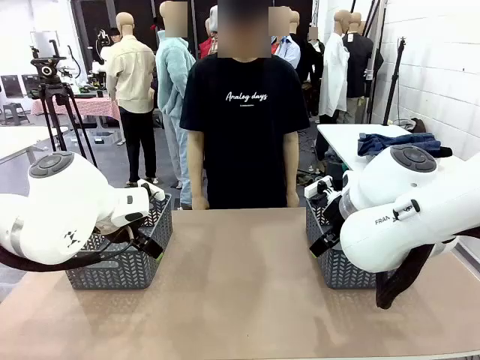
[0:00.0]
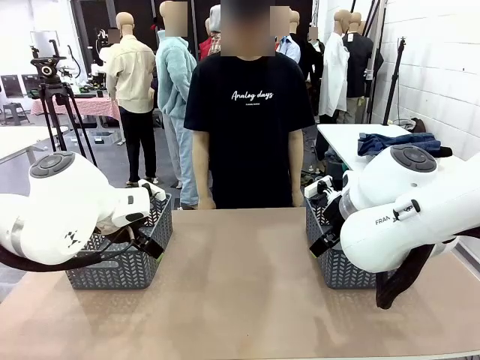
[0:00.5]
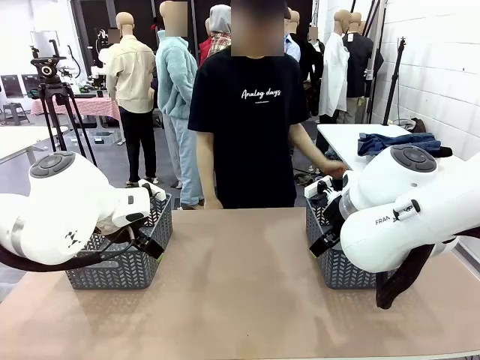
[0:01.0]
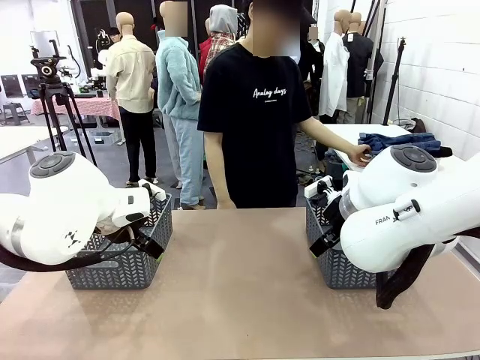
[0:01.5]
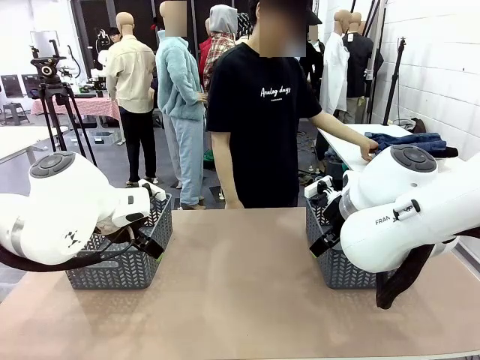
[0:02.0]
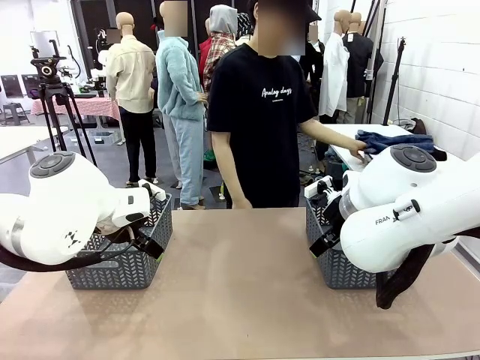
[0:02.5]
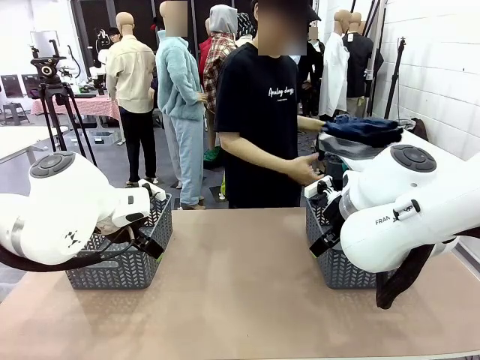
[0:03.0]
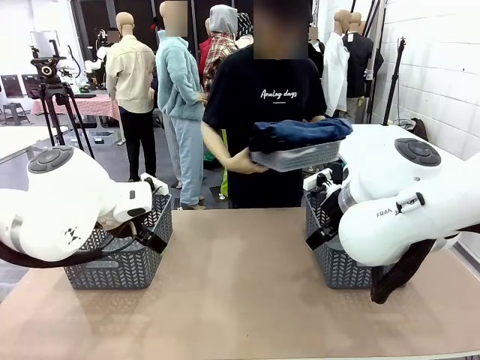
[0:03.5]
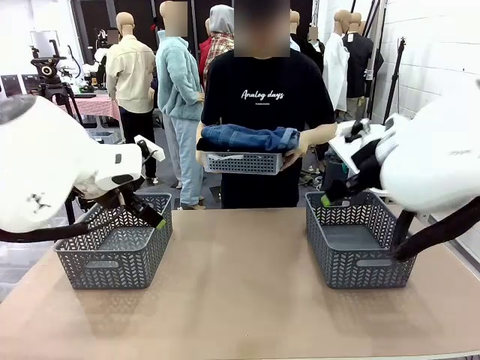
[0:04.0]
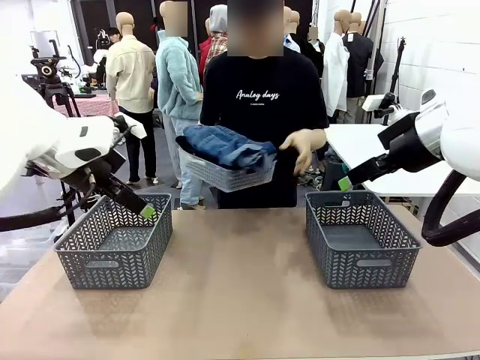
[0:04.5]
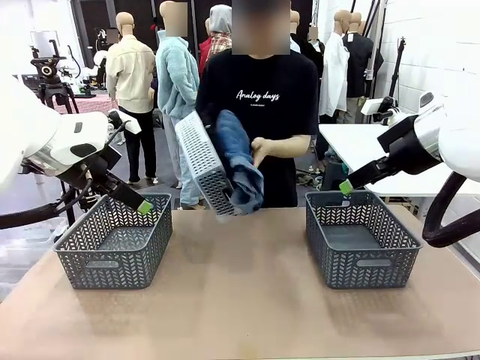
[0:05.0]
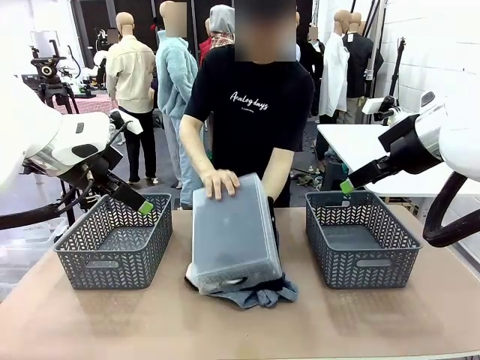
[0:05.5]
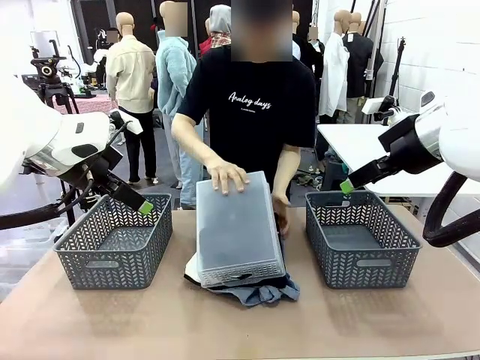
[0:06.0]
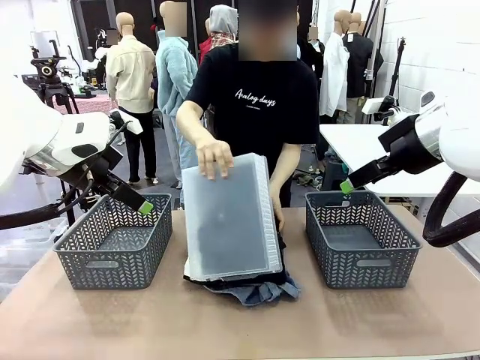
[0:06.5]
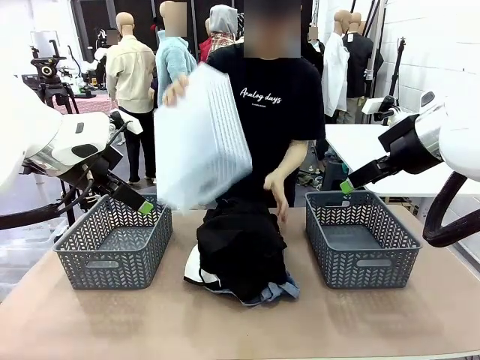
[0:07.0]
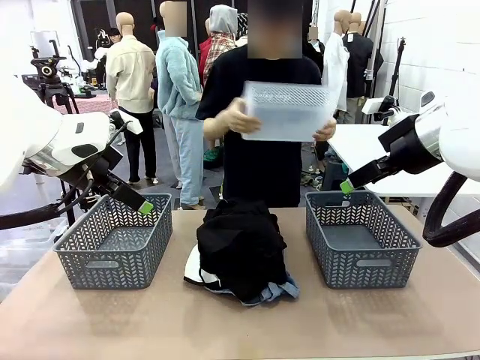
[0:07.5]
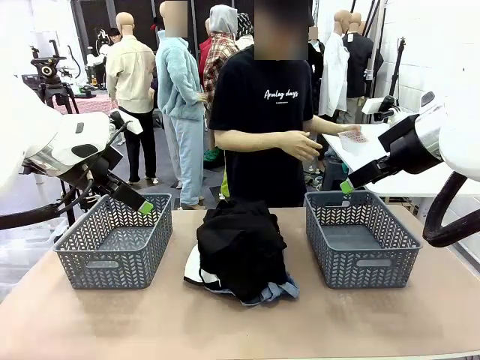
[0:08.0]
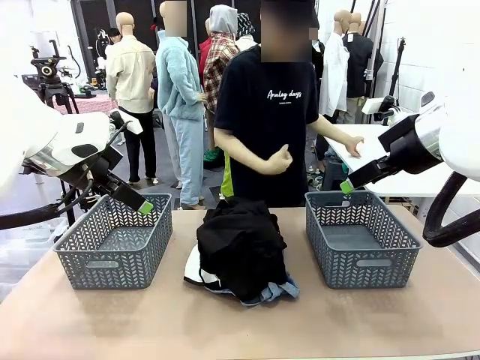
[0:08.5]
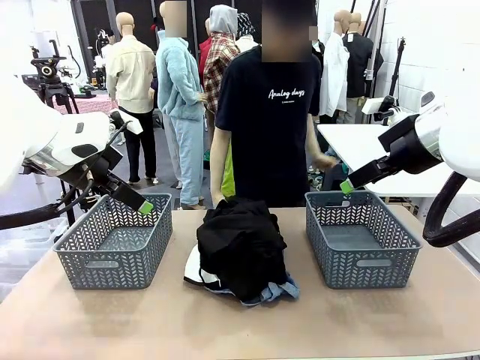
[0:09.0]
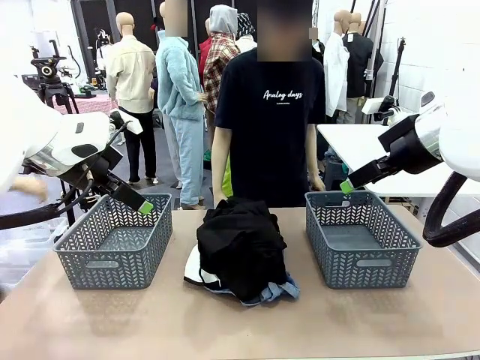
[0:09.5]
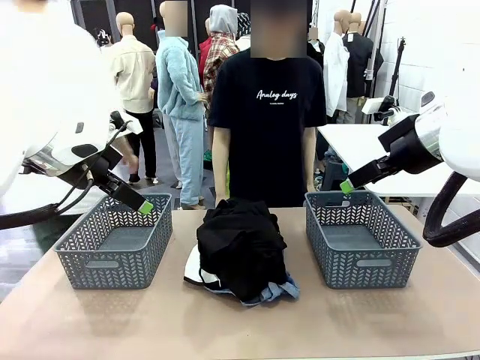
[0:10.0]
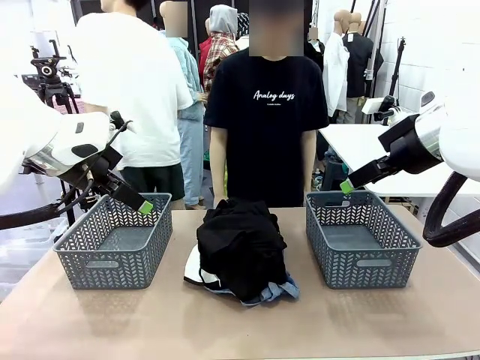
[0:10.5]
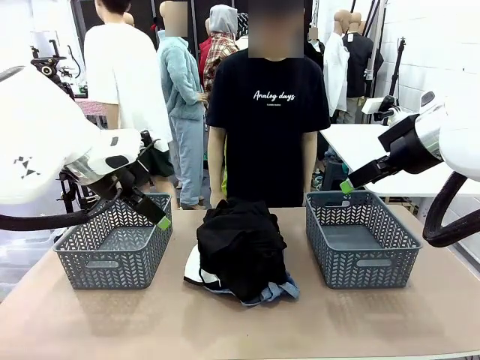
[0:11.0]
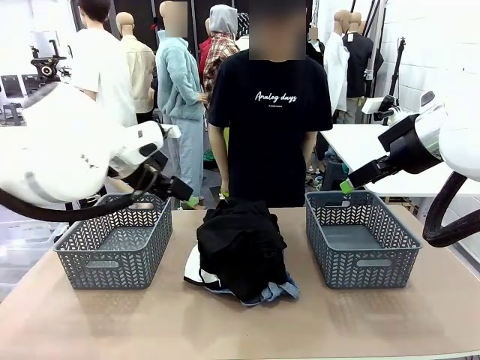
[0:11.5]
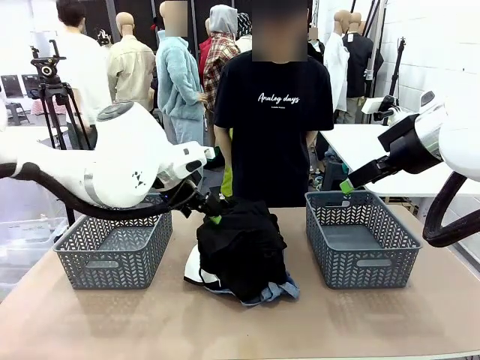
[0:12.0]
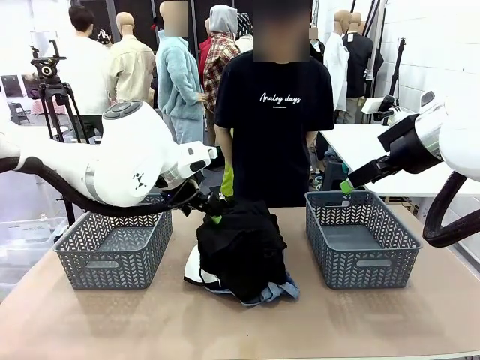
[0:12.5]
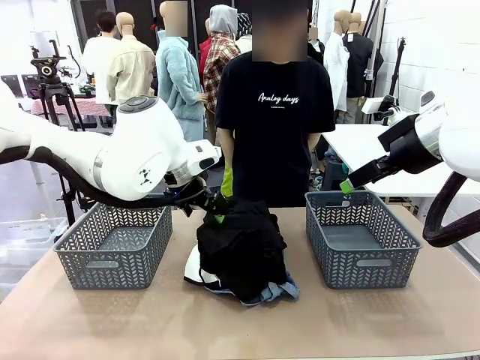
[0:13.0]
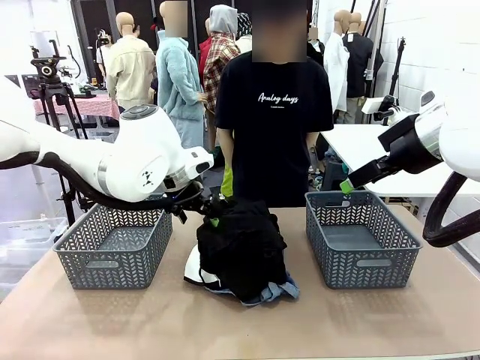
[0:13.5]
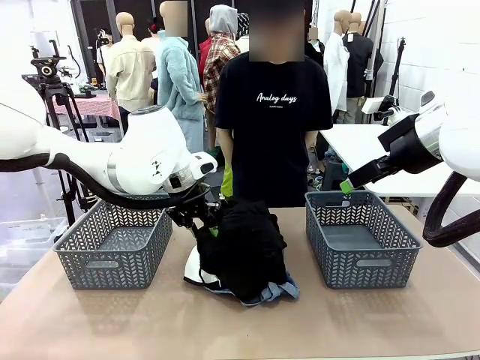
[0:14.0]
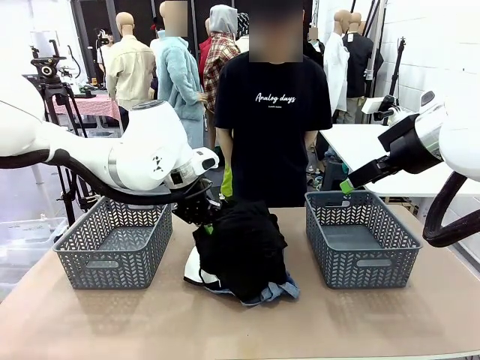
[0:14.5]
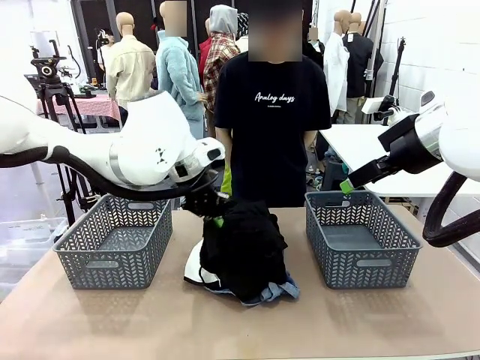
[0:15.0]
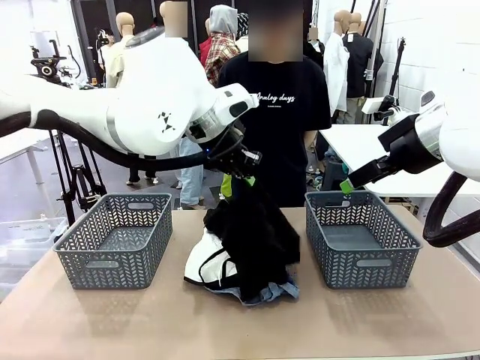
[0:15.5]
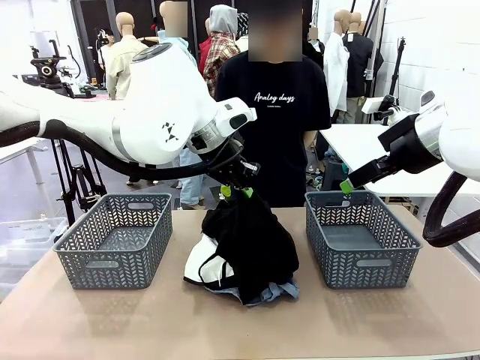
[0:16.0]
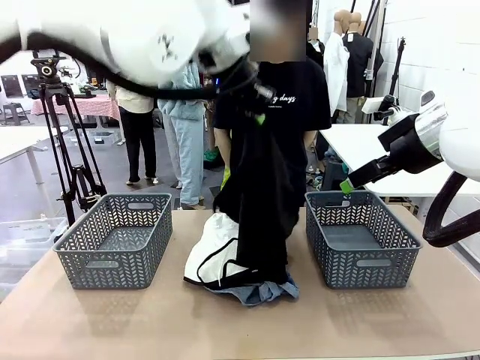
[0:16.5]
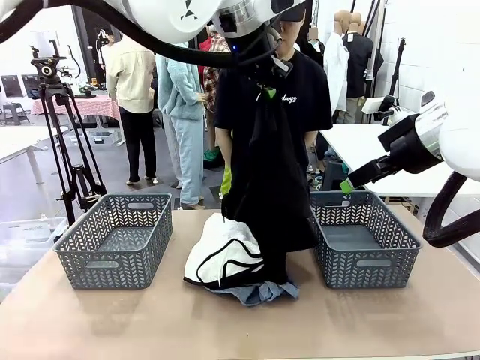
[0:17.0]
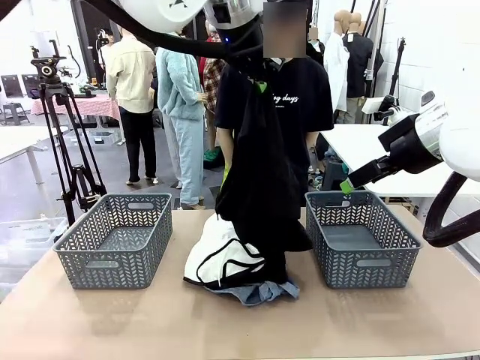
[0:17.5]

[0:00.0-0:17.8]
Task: Sort the tops and bottoms.
Robot: Lift clothes from the center of the table with your left hand.
Person: Pour the clothes from the basket onto the center of the robot table.

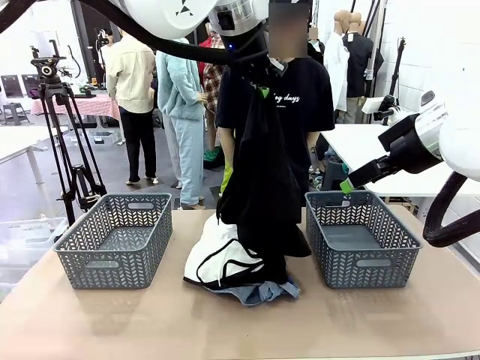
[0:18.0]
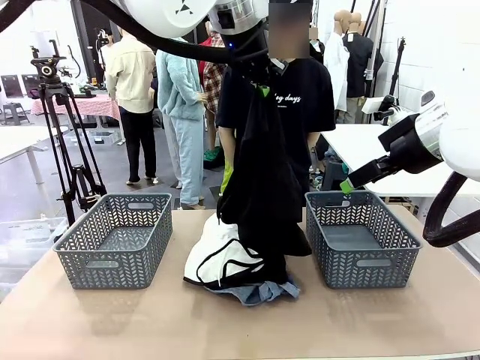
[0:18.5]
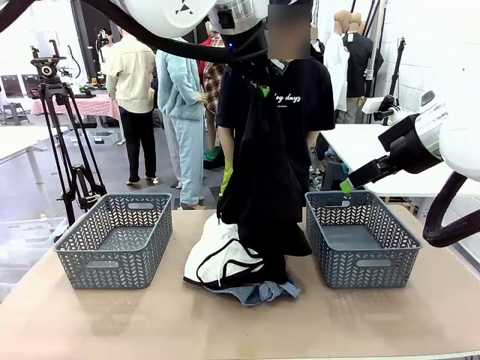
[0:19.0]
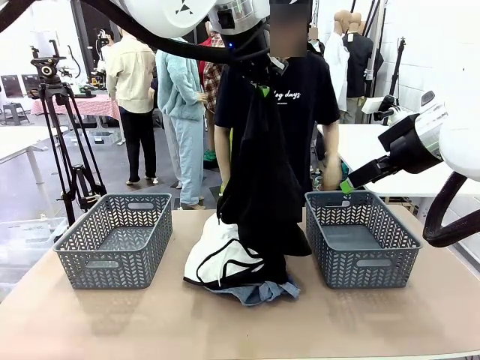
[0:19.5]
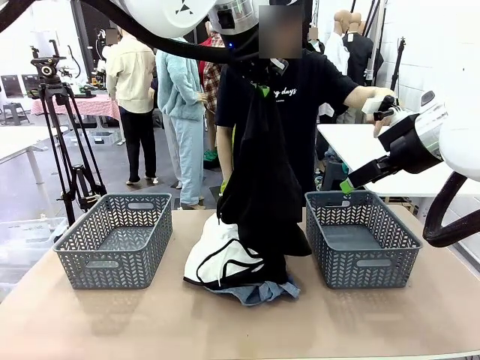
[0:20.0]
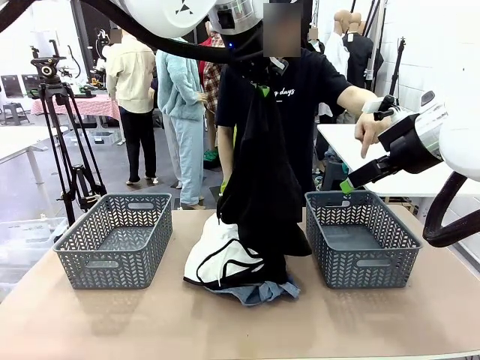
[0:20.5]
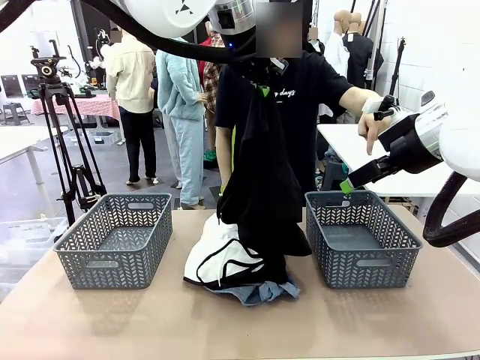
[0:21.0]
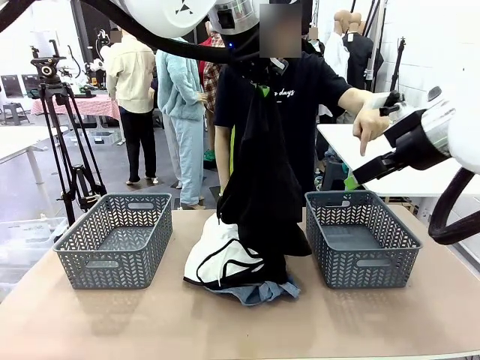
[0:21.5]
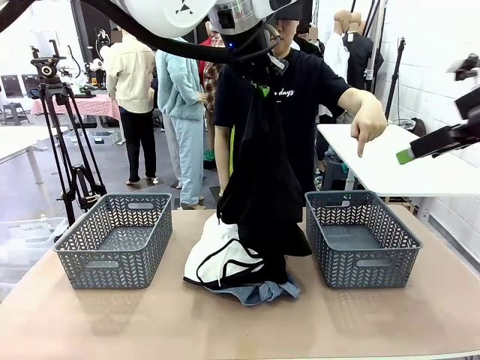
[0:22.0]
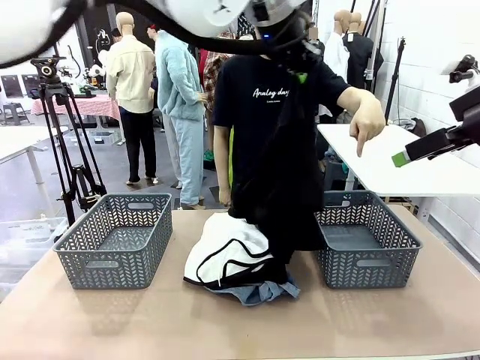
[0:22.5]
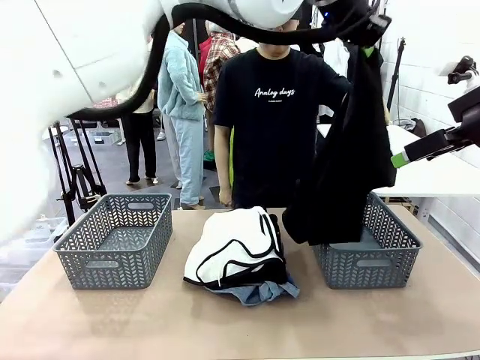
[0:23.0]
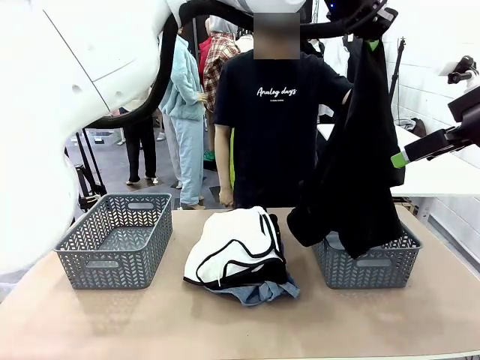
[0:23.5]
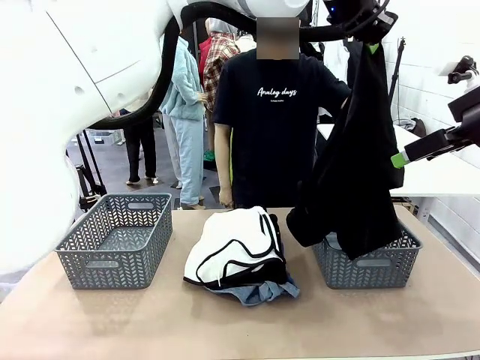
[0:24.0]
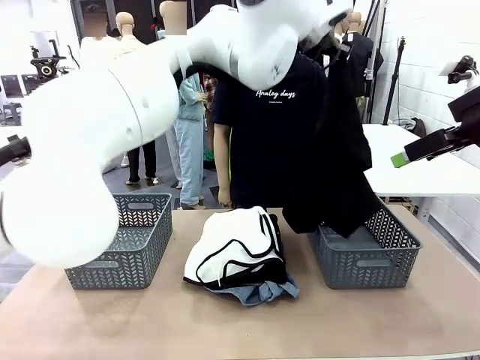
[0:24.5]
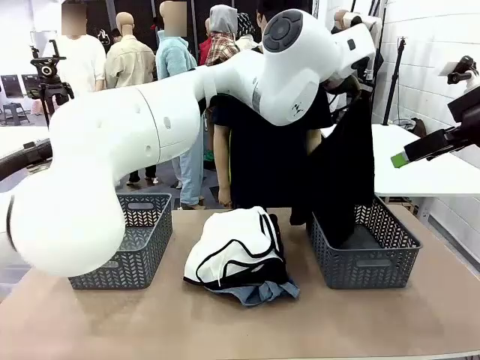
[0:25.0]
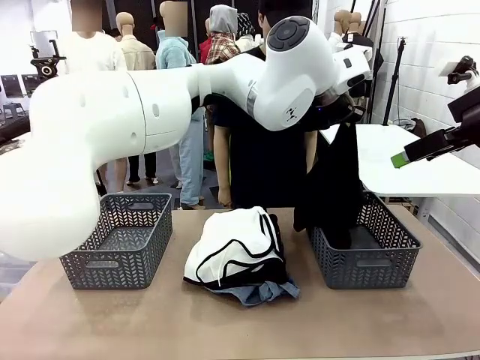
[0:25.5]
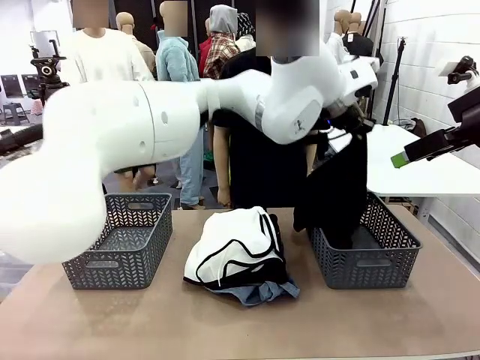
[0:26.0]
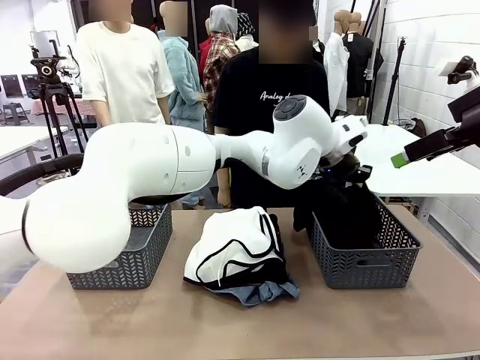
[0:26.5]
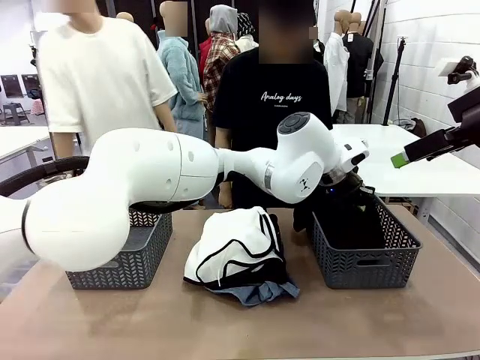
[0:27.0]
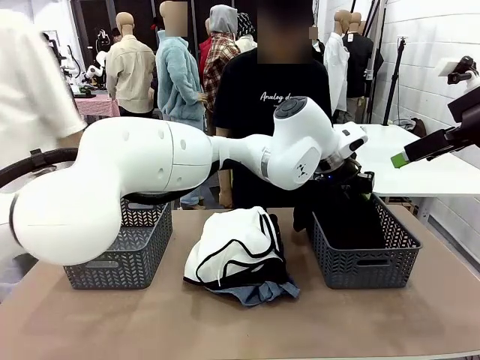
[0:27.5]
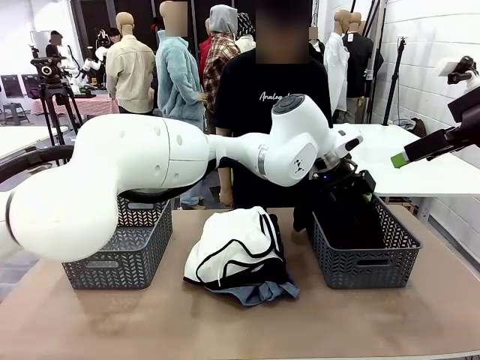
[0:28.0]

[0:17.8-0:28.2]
Robot: Sort the clothes according to human instructions.
